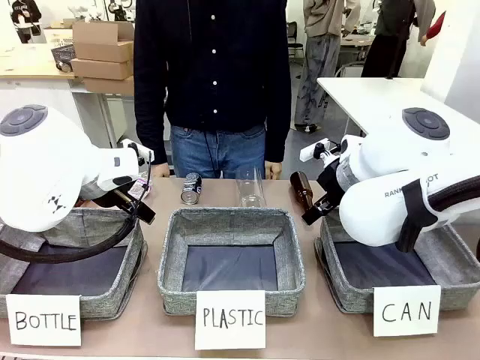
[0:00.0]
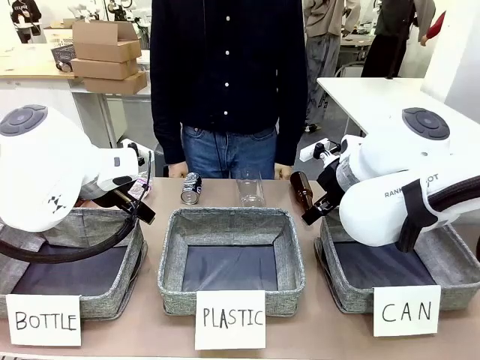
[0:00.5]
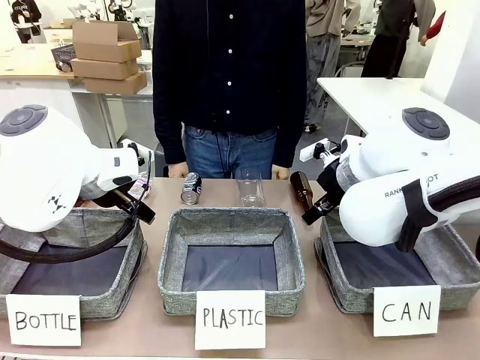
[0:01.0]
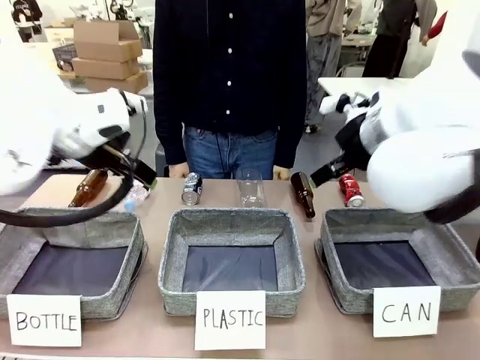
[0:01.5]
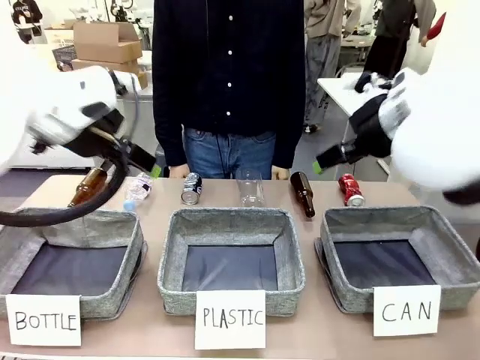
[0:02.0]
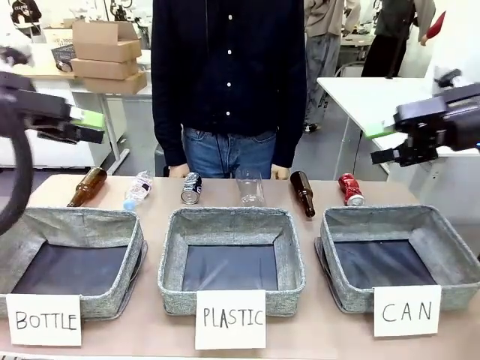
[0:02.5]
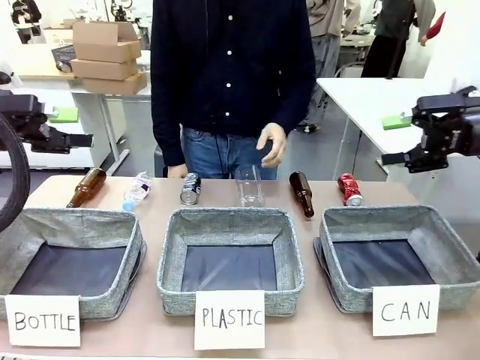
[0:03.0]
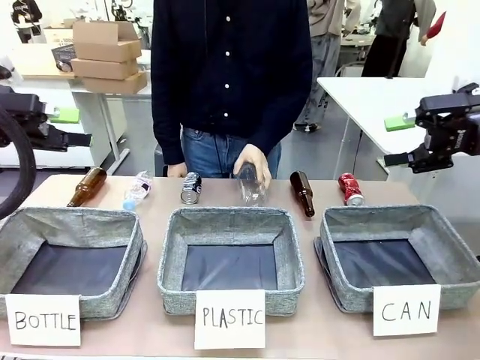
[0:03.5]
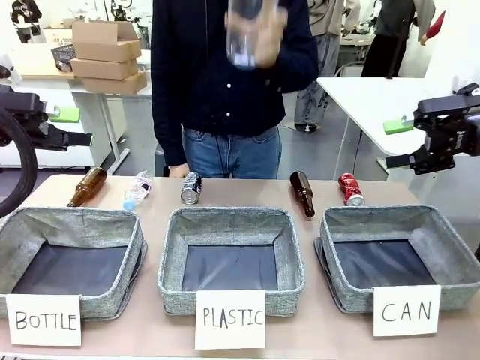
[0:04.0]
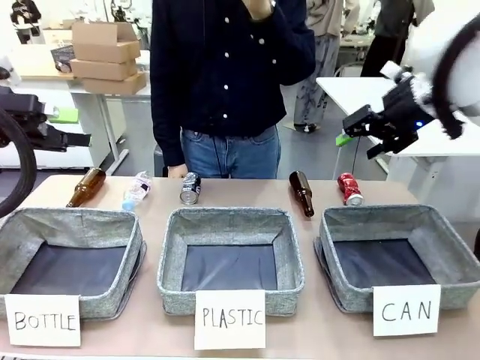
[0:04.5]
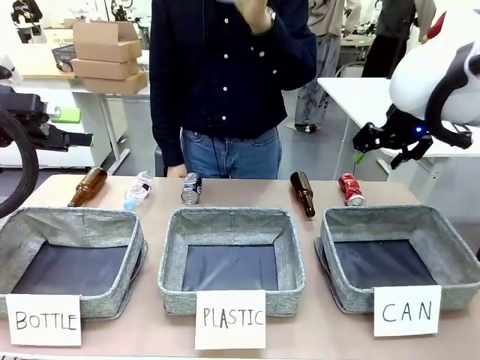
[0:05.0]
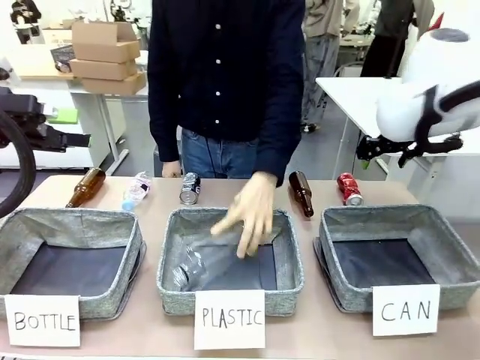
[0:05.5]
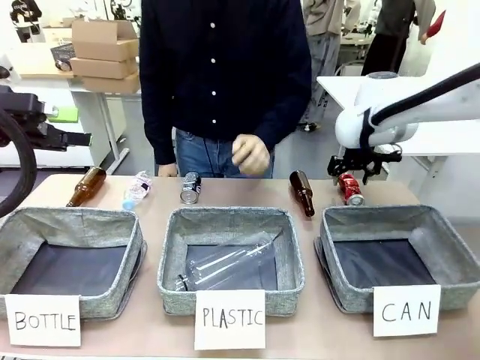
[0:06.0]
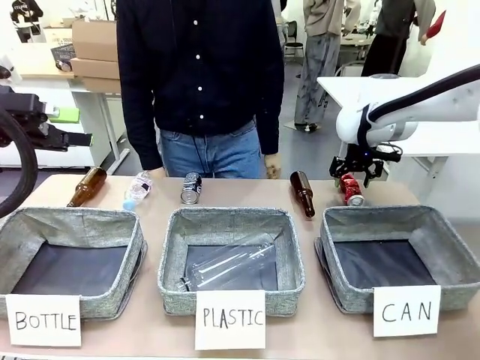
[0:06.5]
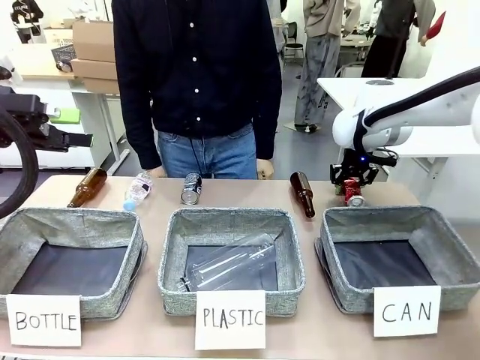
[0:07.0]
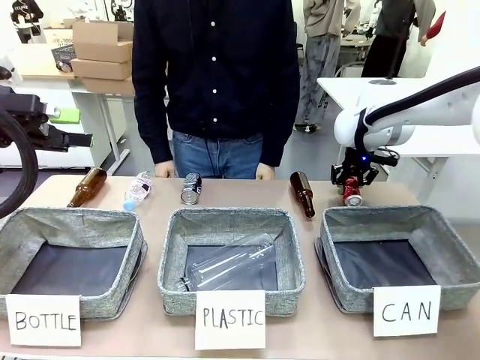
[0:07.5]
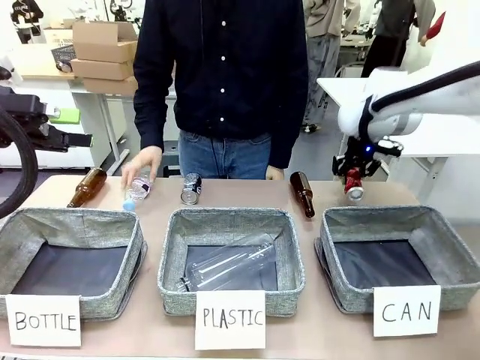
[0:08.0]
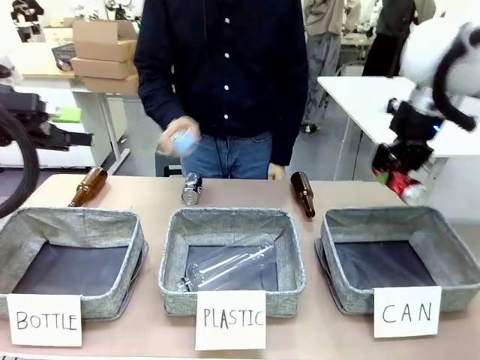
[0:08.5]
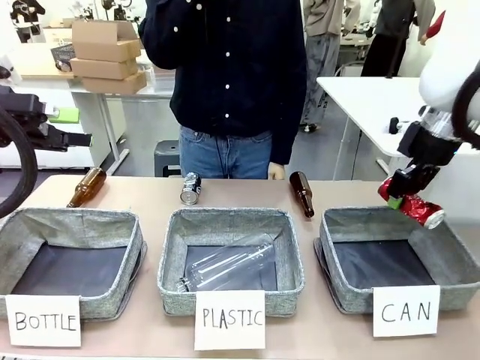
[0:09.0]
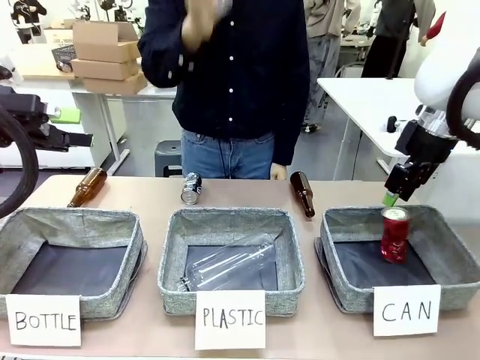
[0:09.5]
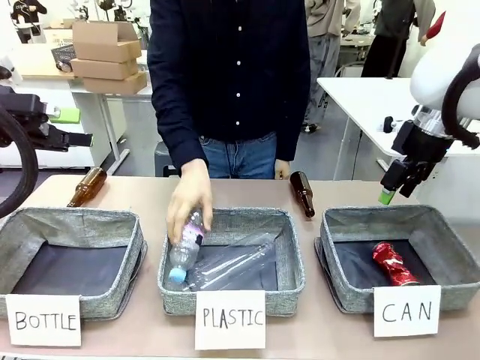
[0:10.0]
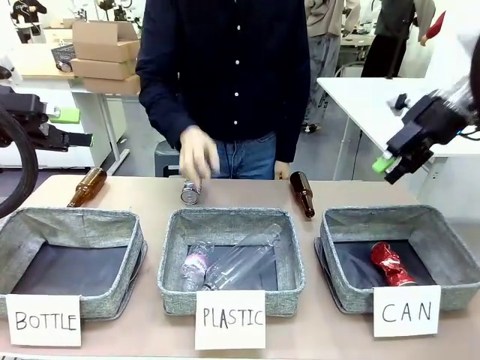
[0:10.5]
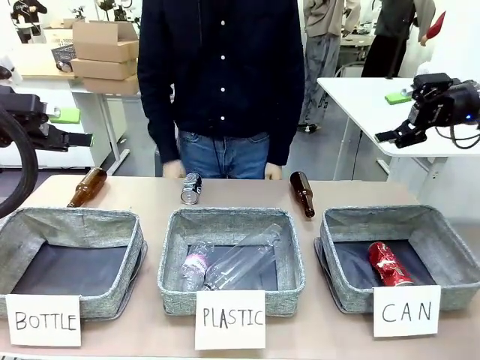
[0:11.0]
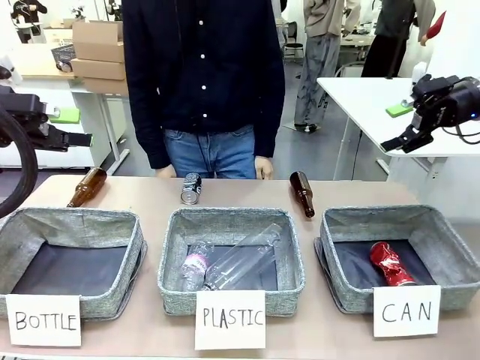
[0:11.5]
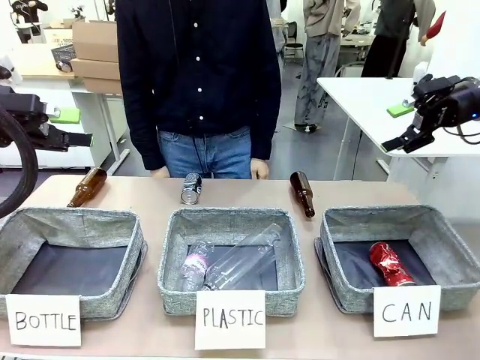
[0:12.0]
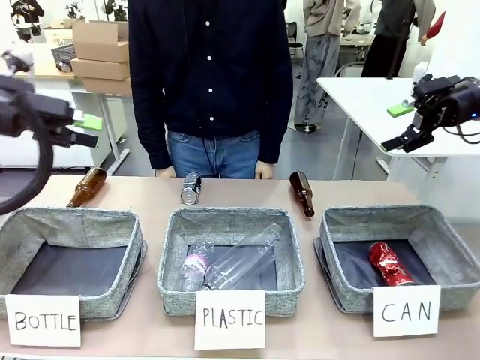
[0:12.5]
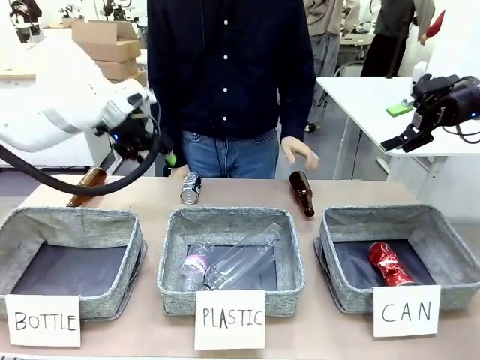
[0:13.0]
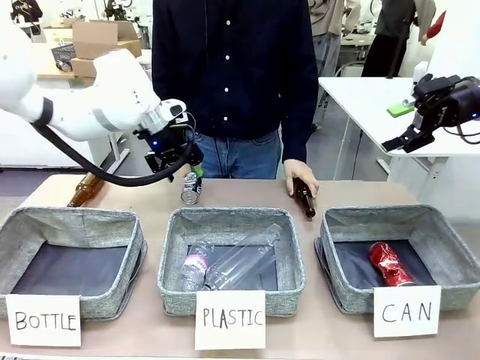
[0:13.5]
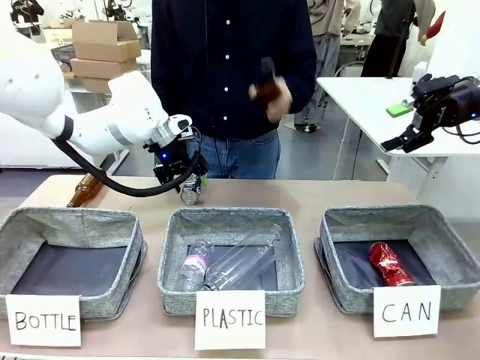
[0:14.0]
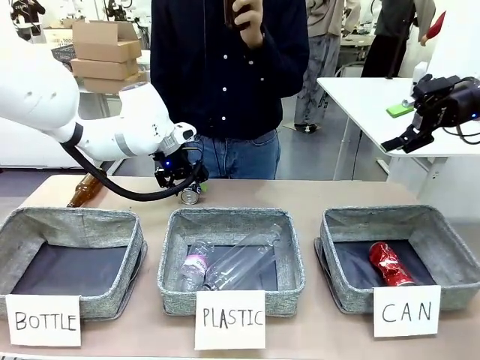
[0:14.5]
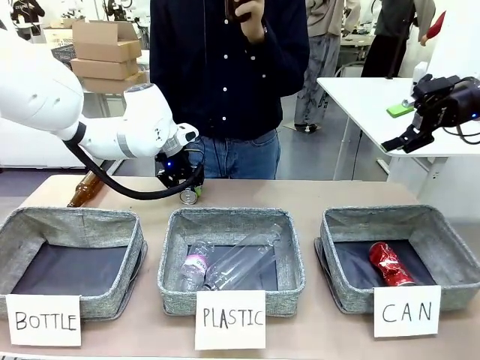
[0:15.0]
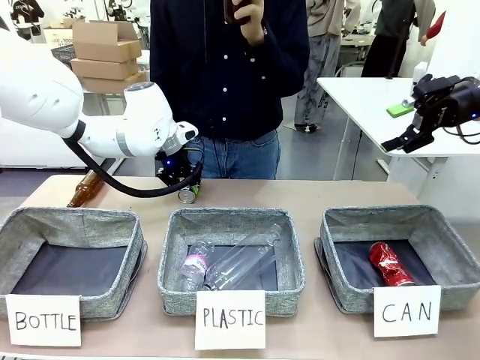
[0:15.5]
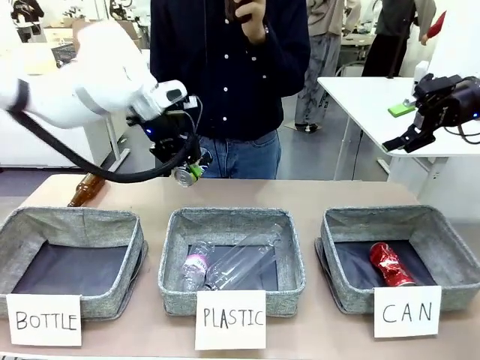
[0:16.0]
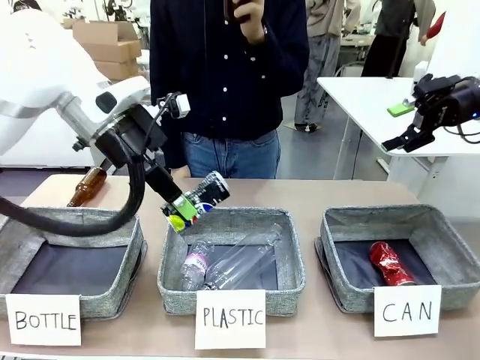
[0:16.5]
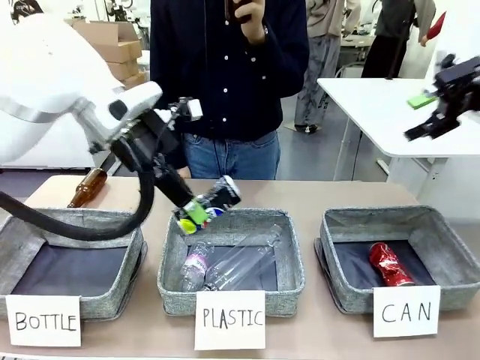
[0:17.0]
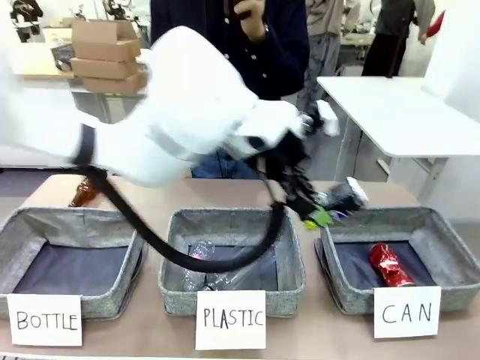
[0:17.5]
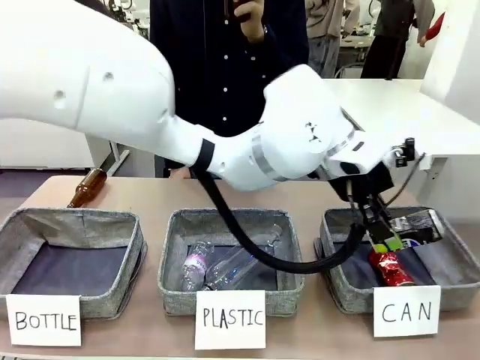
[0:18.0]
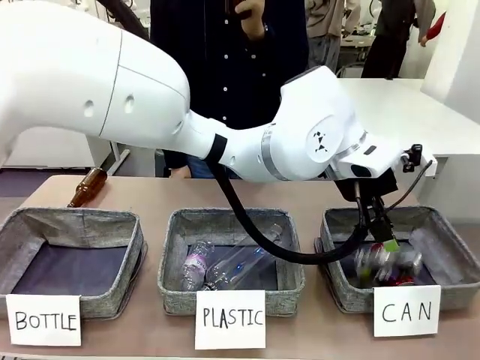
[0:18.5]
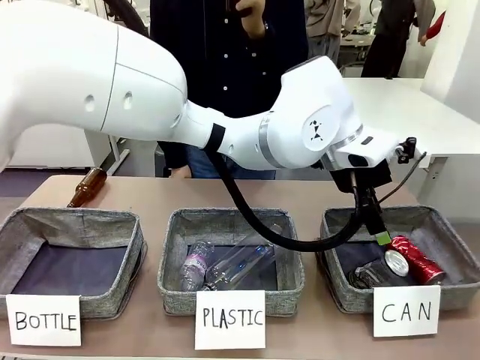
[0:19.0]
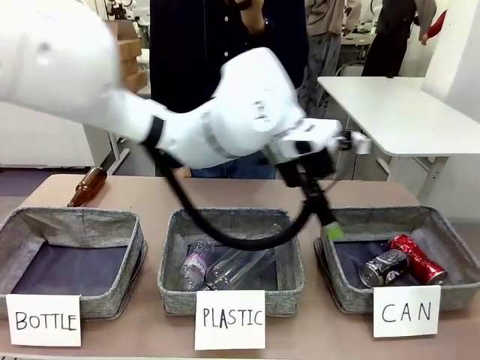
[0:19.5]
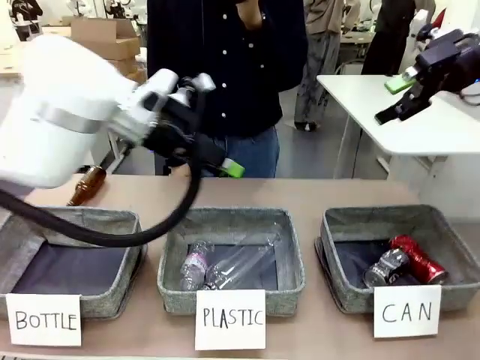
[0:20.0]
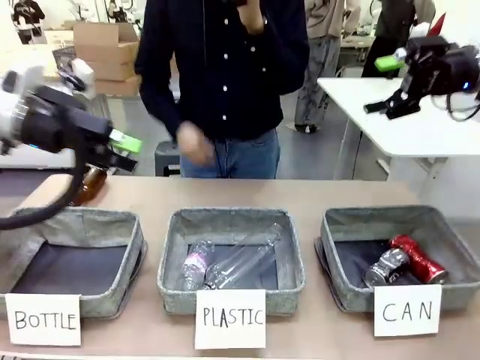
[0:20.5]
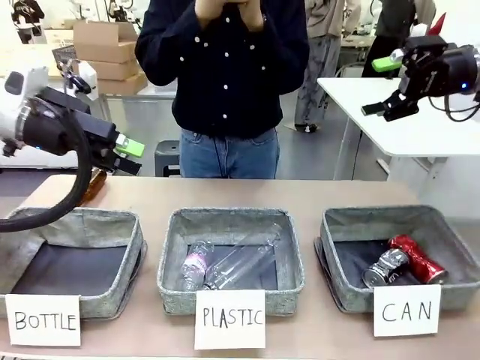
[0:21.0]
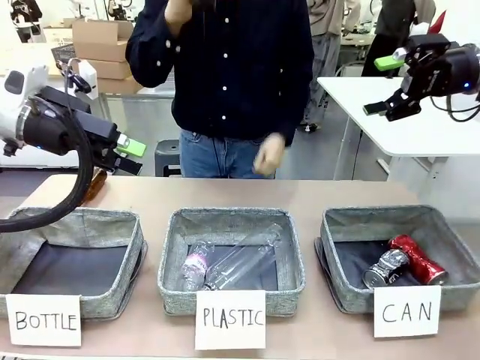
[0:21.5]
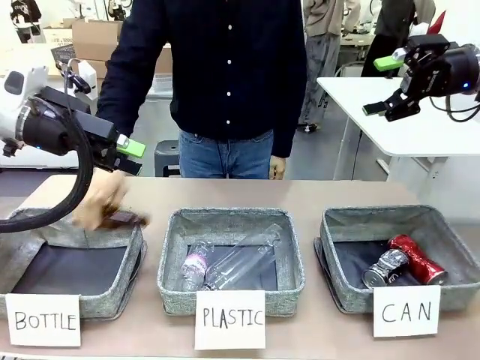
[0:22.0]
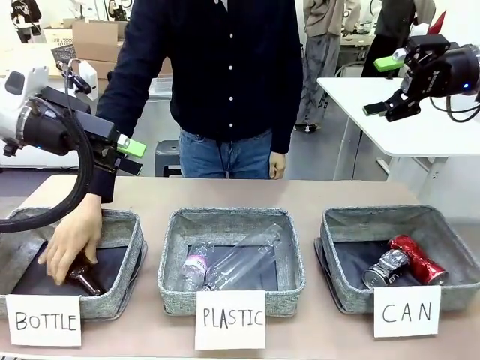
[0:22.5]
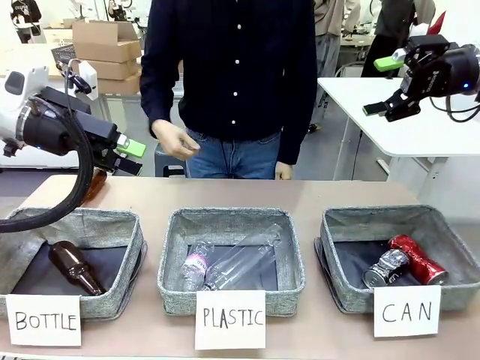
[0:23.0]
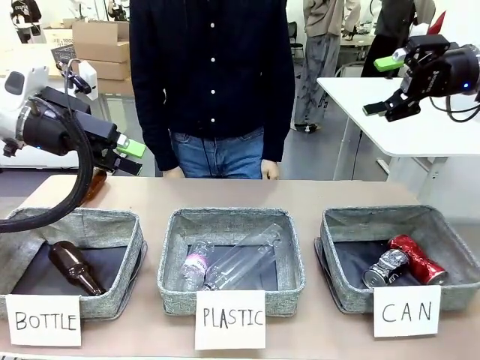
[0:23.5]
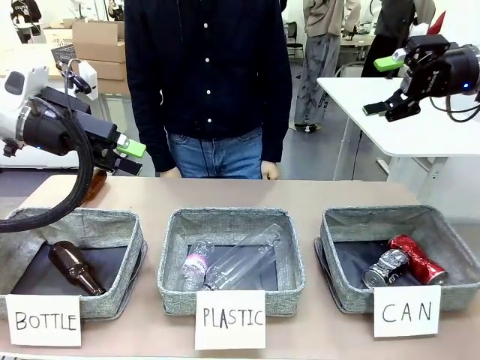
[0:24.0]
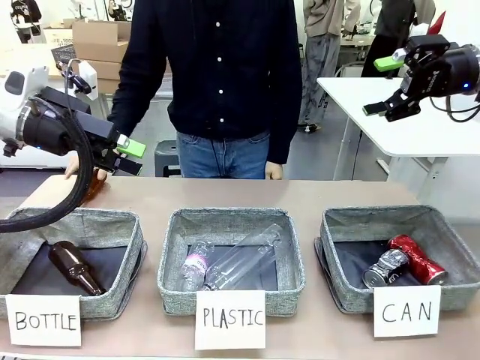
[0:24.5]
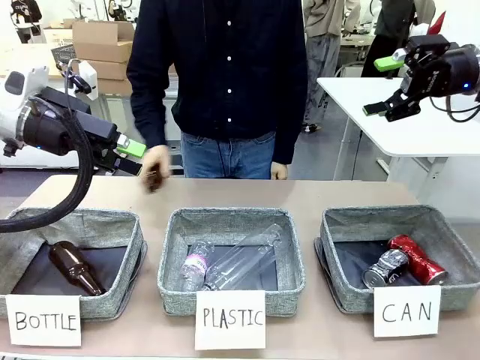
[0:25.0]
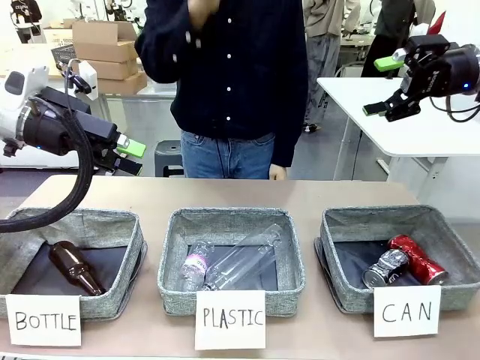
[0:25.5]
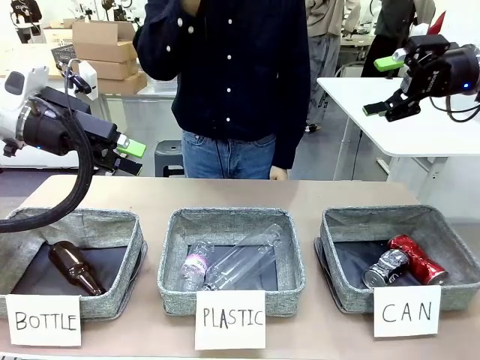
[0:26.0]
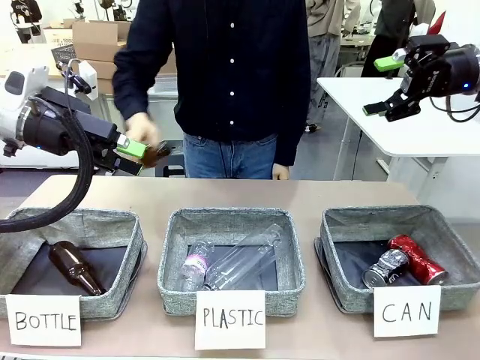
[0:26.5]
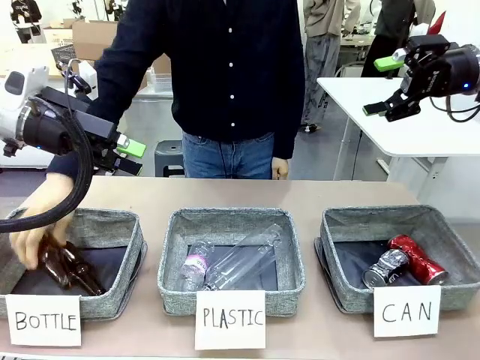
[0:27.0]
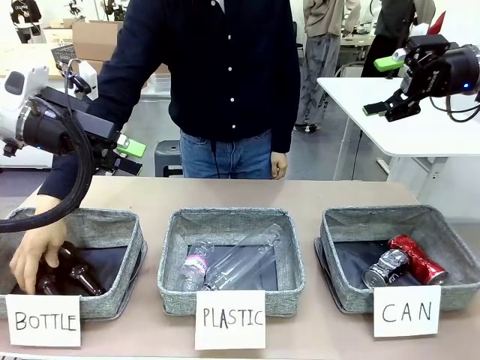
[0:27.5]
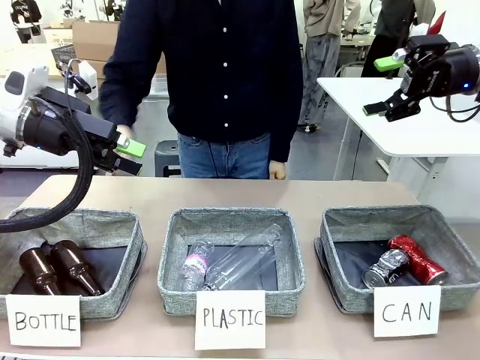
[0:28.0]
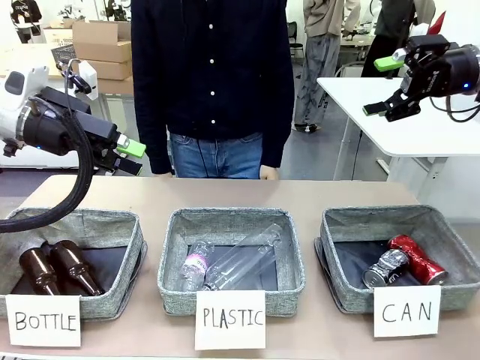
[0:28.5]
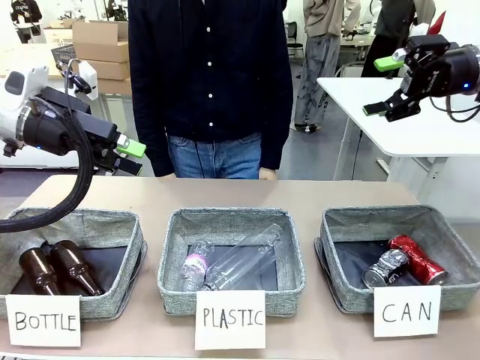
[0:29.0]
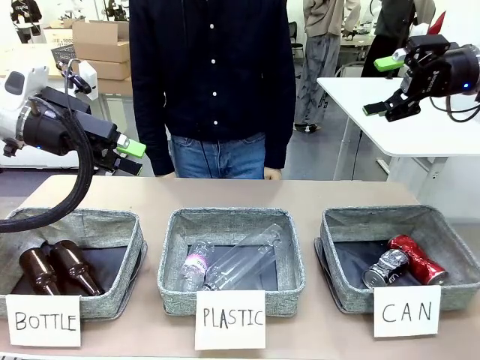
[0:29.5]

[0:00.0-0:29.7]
Task: Sort the can waste into the basket.
Robot: Pick up the can waste from the table and place it in the right Fabric basket.
Person: The human picks up one piece of trash that is not a can and places the trash into the appropriate organizing basket.
